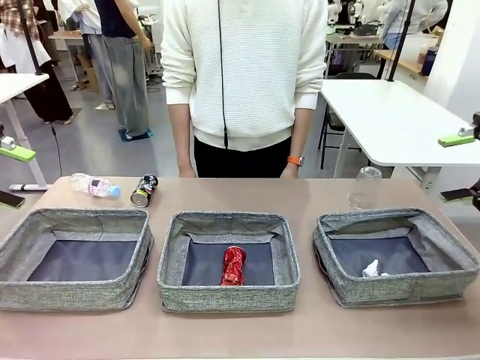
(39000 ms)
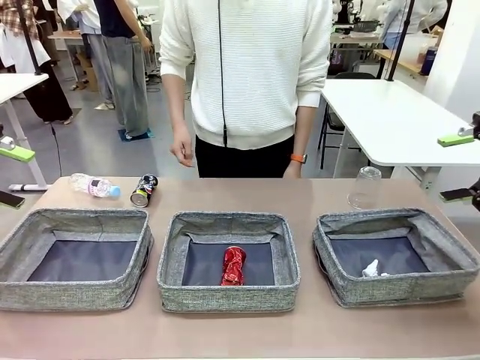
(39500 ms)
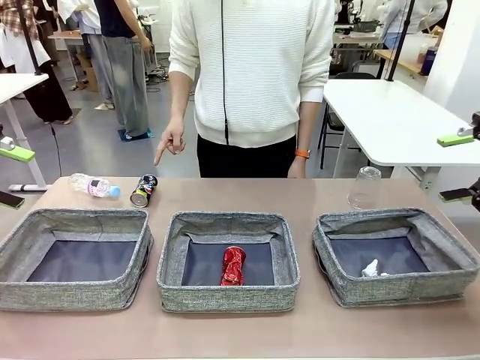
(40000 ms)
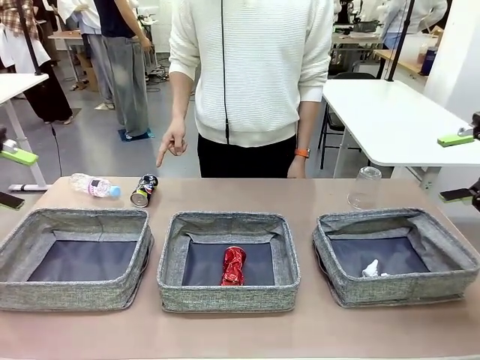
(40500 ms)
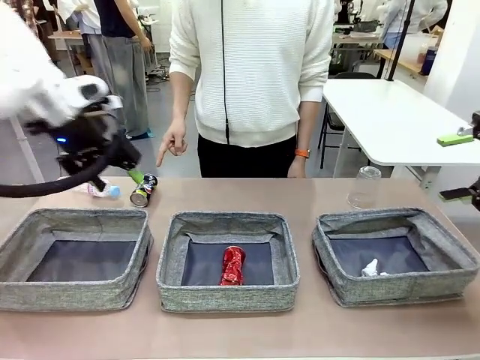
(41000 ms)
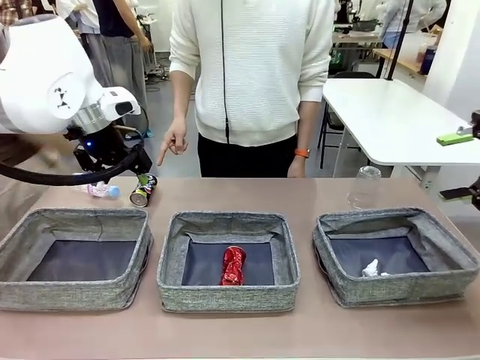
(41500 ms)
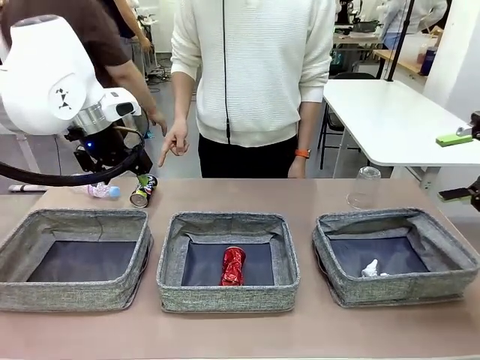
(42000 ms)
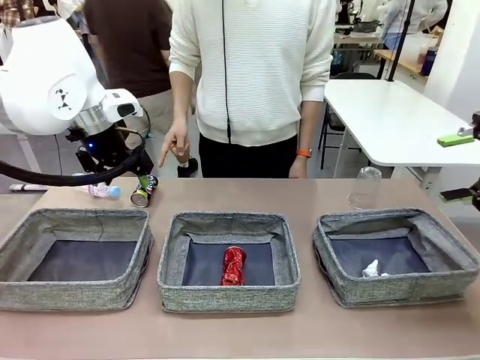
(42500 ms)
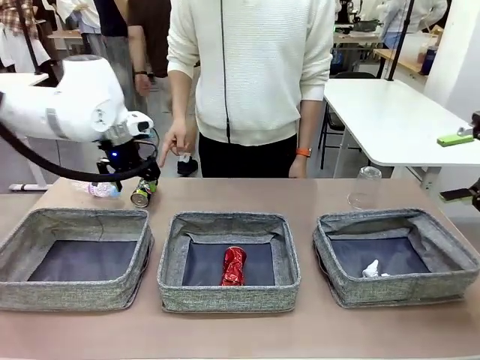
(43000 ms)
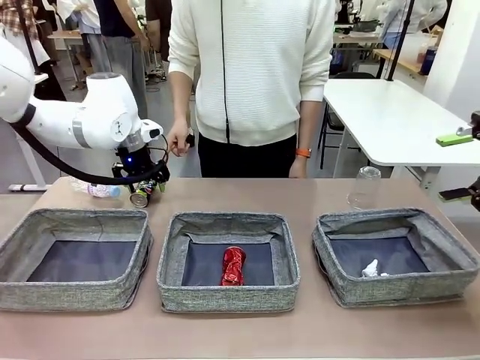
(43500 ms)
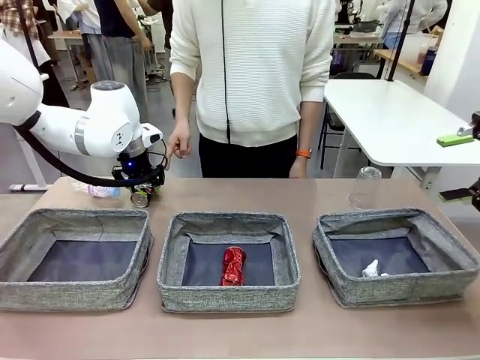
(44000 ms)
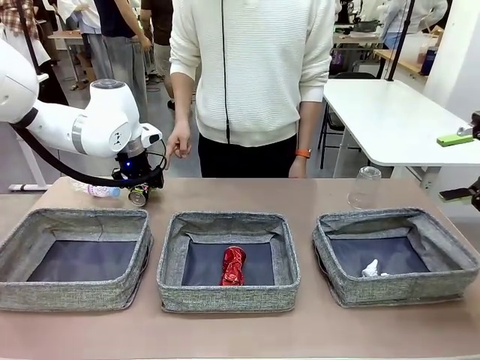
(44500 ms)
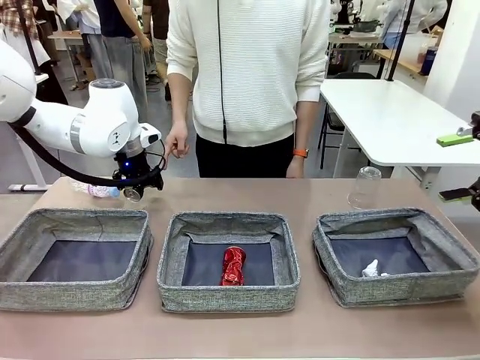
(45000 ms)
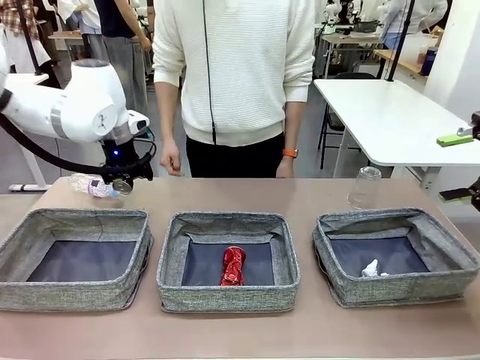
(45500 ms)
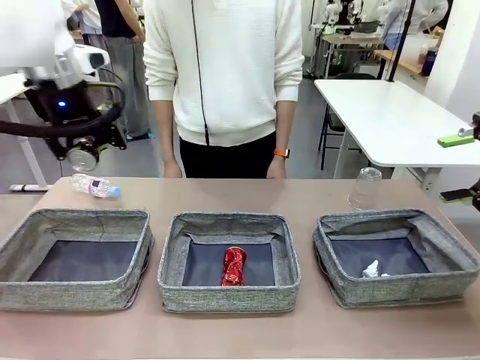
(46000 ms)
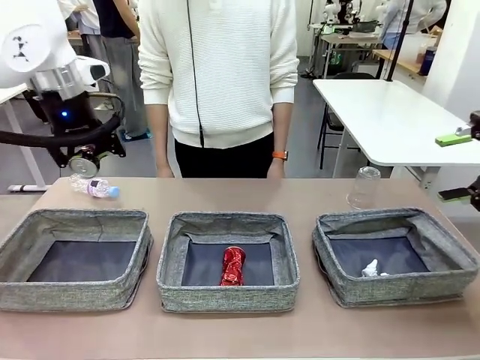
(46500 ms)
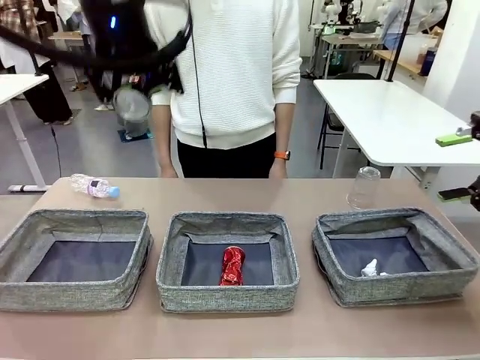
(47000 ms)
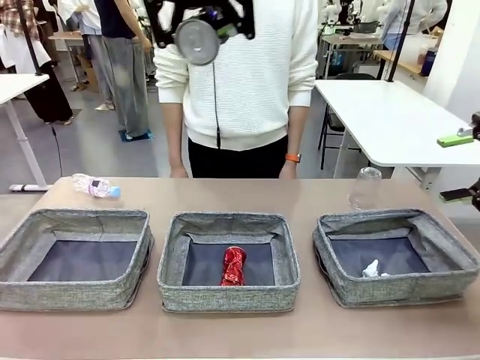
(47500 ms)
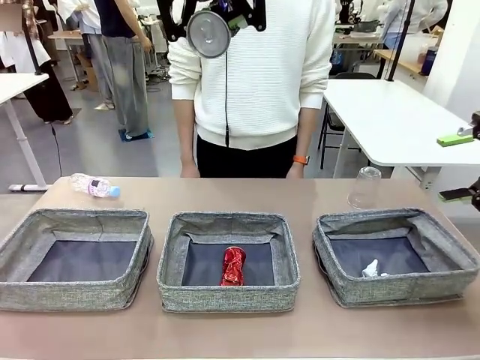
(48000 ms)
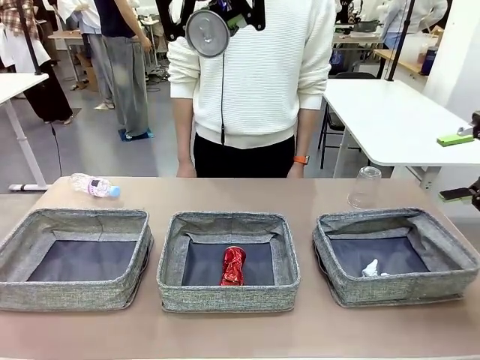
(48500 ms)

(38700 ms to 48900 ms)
Task: Sort the waste into the appropriate baskets.
Robot: Pick up the waste item pointed out by the person.
Person: Points to one piece of trash on the table.

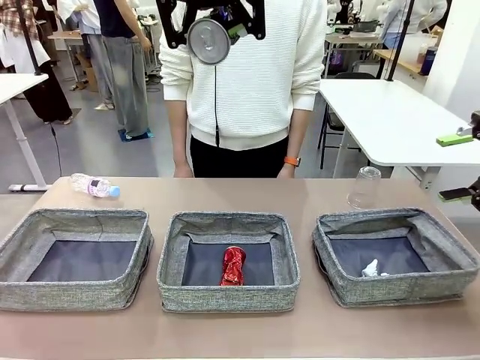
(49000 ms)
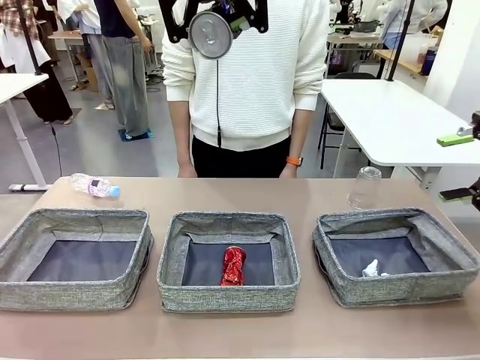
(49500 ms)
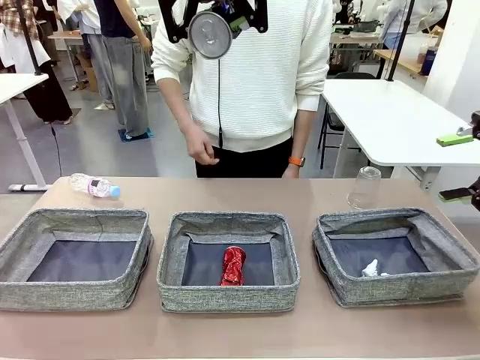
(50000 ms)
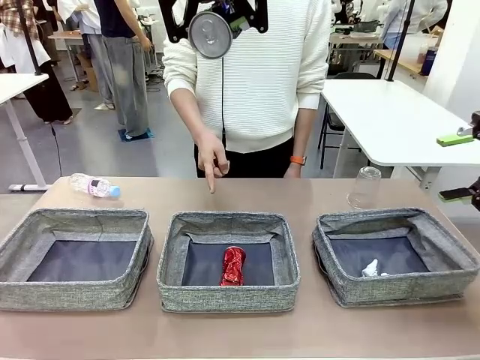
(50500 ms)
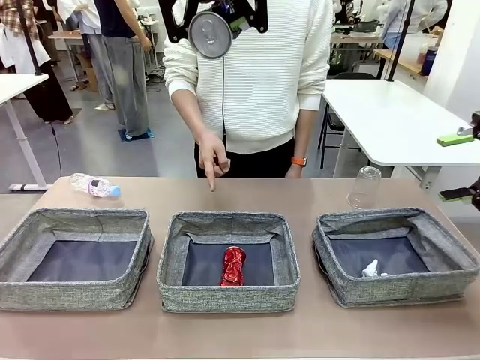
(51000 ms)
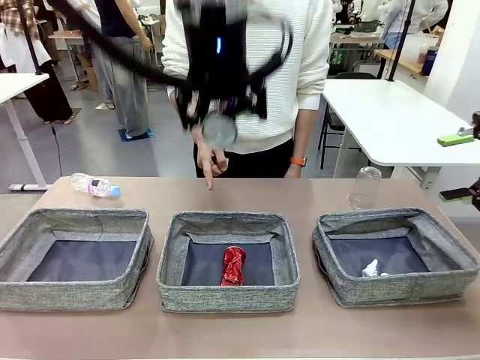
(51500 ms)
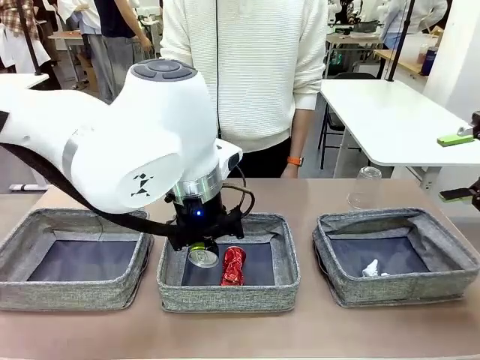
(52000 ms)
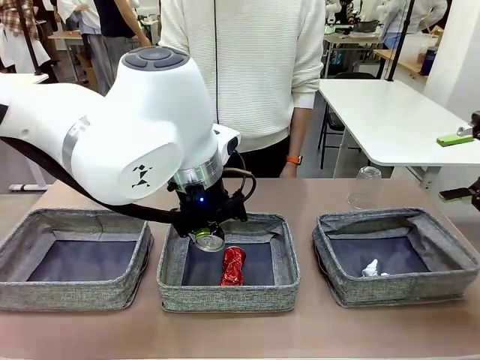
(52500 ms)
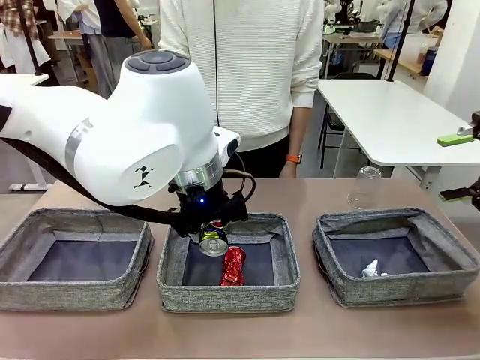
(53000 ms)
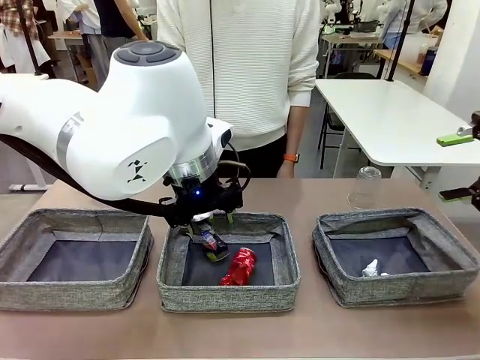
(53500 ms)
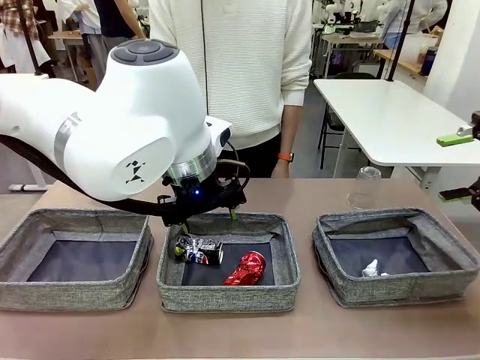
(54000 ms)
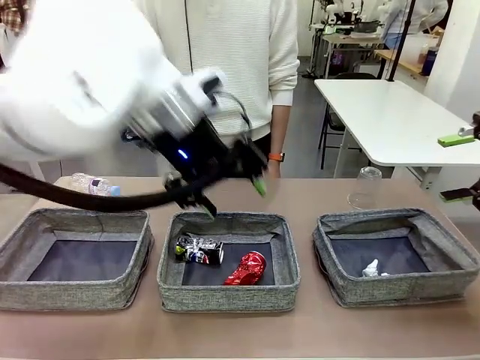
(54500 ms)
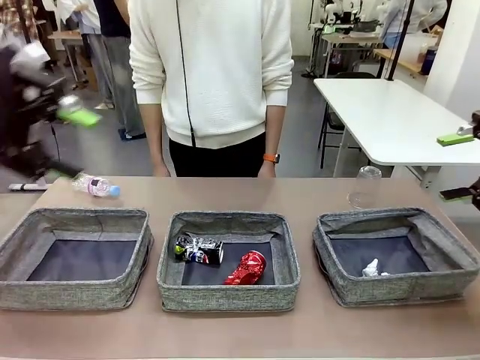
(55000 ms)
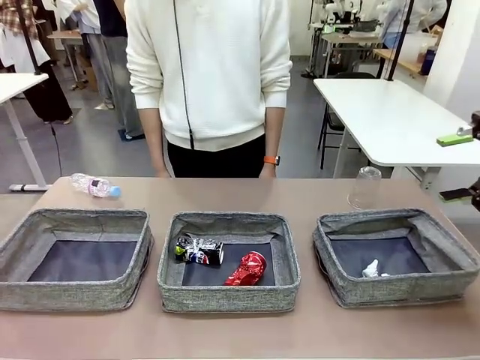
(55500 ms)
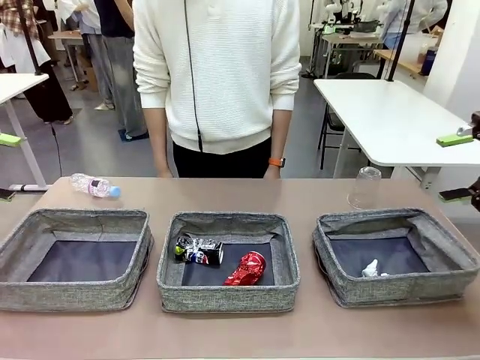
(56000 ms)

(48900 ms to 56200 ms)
Robot: Place the picked waste into the Fabric basket indicated by the person.
Person: Instructs the robot to place the picked-up trash into the appropriate organizing basket.

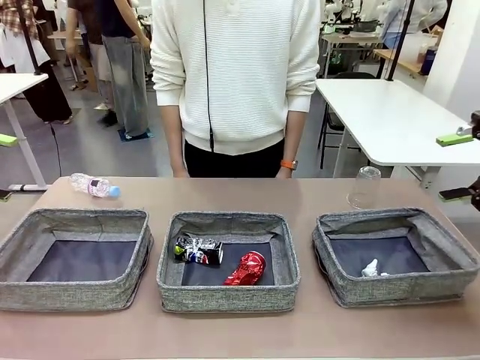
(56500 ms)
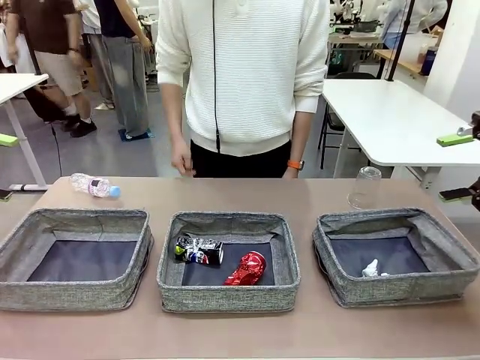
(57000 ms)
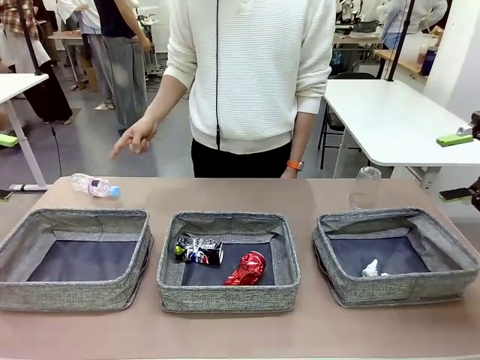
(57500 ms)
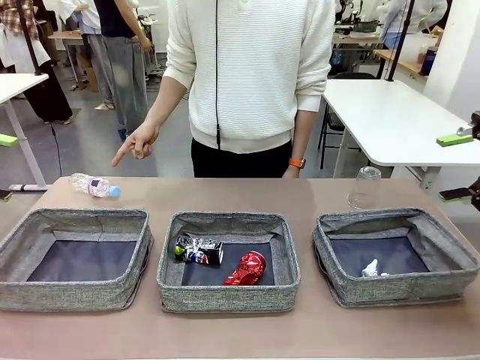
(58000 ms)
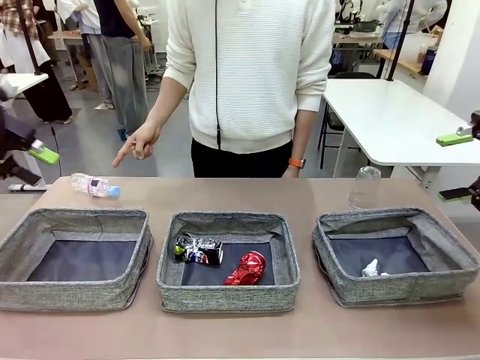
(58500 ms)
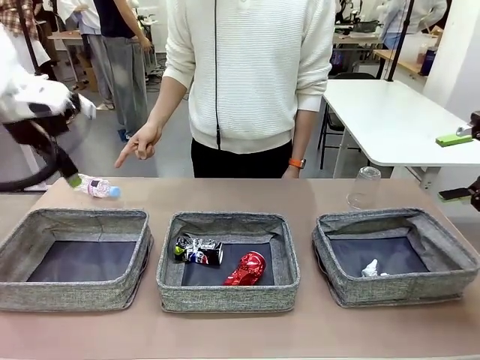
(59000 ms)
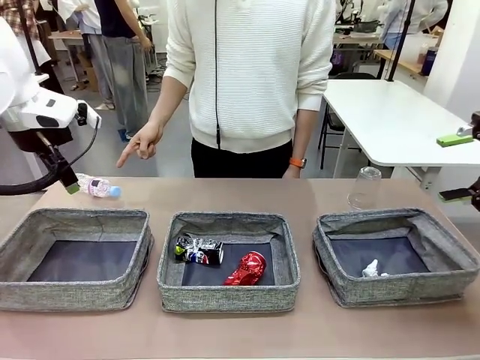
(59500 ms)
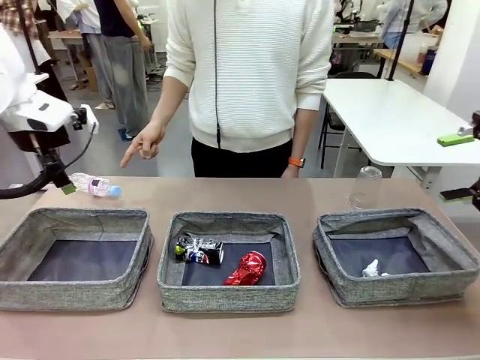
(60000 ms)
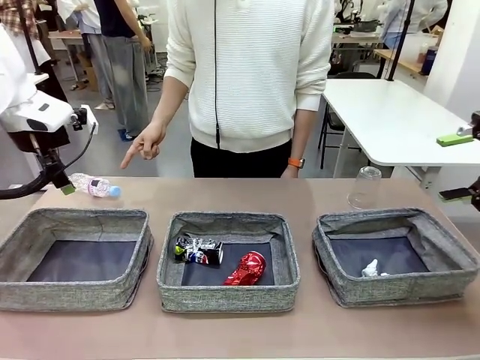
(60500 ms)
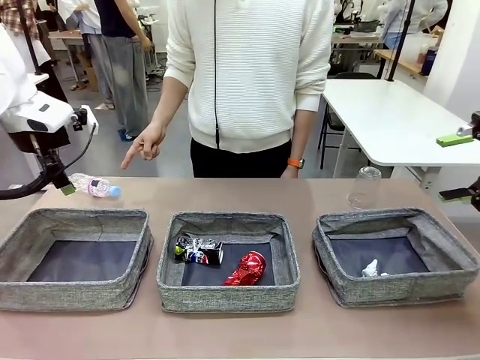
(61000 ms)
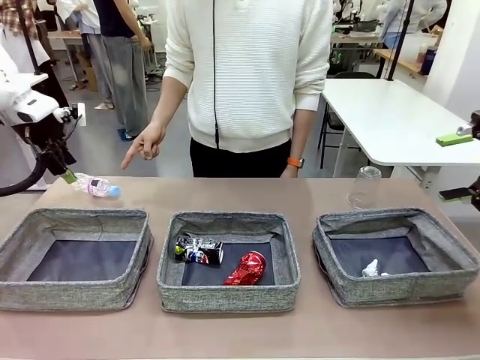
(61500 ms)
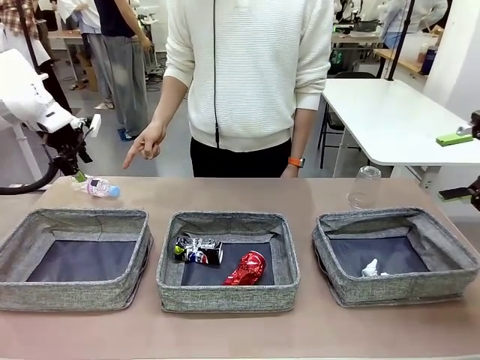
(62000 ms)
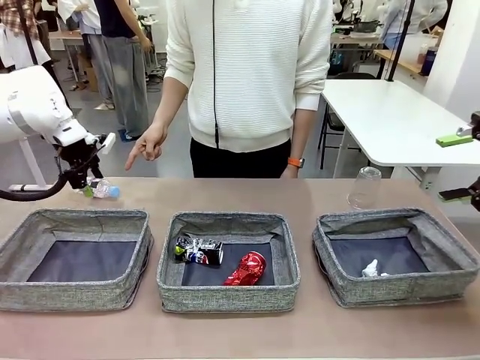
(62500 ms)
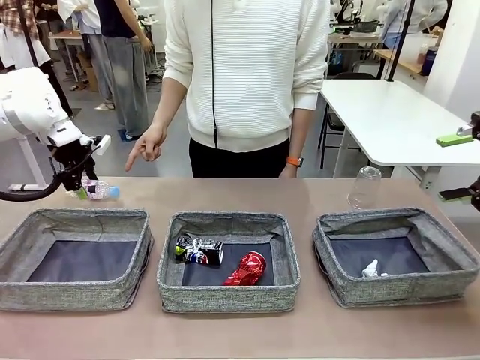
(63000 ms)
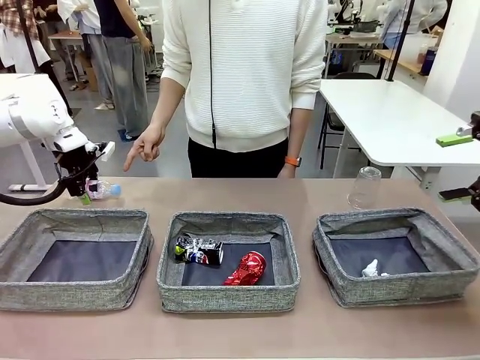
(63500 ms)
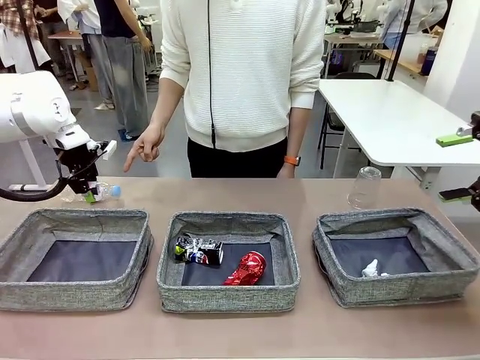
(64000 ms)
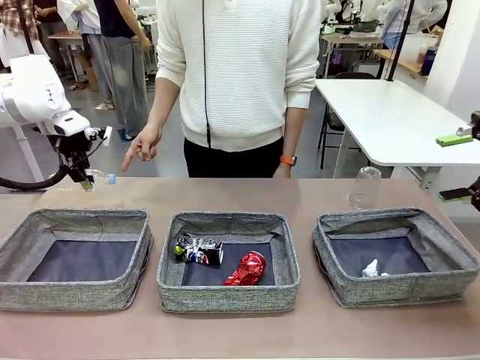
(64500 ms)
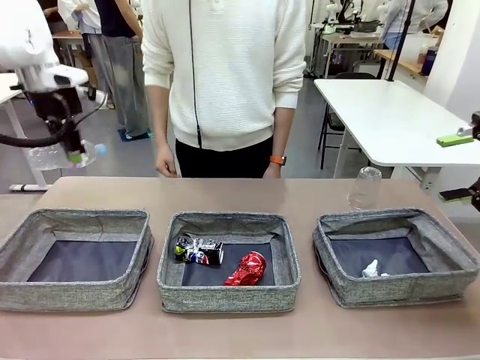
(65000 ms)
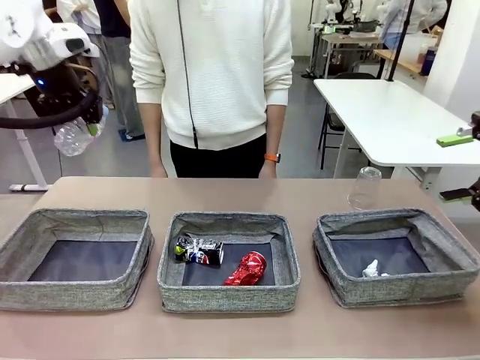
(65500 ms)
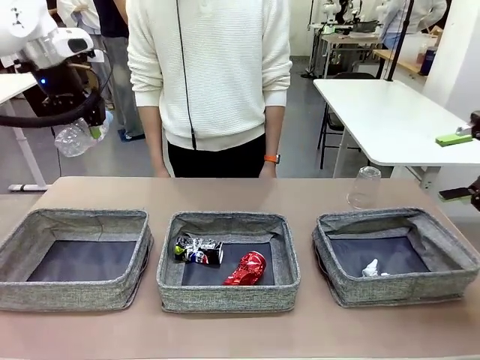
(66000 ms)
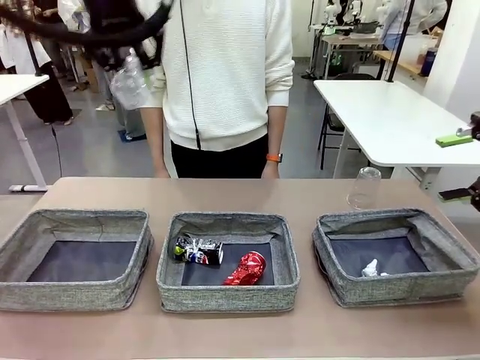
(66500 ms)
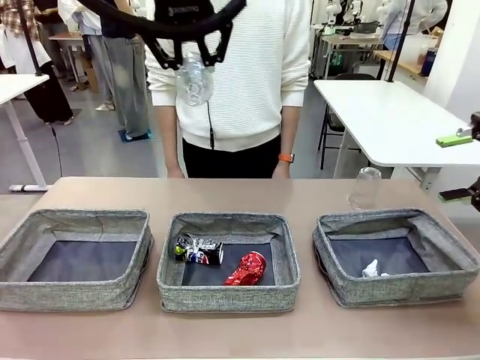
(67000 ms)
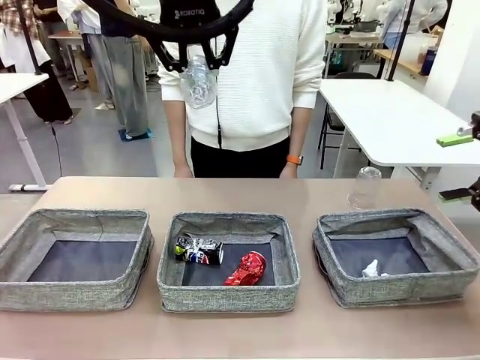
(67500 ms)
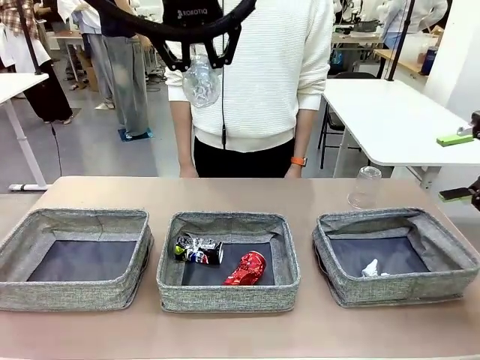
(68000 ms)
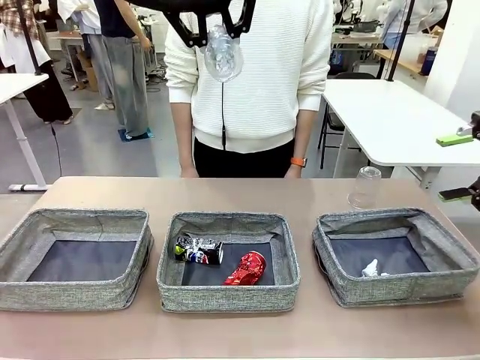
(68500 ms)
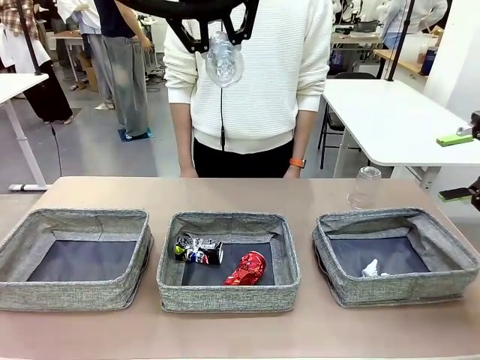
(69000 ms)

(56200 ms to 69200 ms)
Robot: Pick up the waste item pointed out by the person.
Person: Points to one piece of trash on the table.
